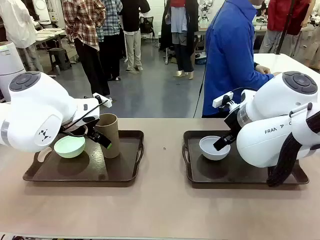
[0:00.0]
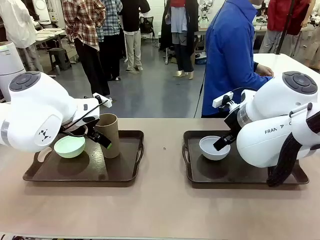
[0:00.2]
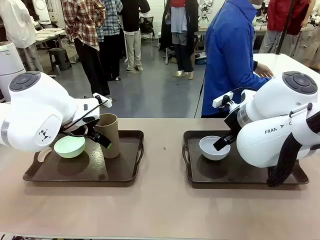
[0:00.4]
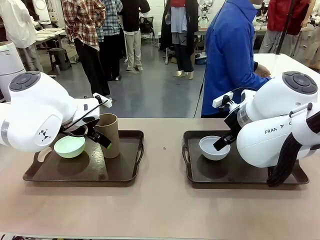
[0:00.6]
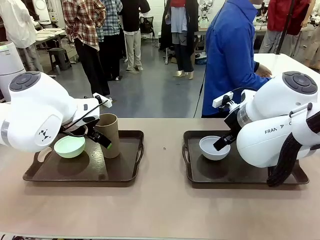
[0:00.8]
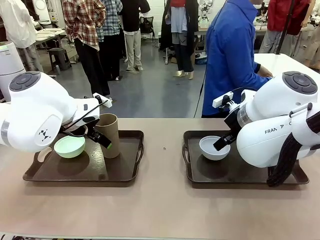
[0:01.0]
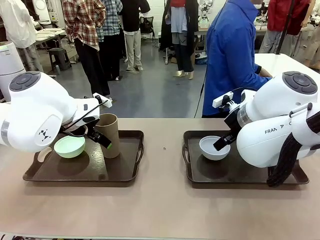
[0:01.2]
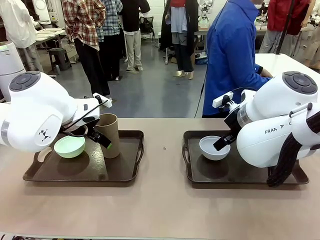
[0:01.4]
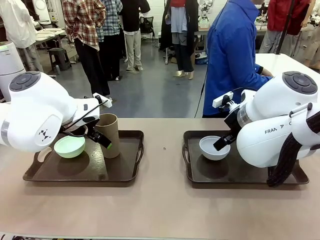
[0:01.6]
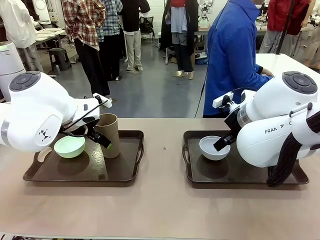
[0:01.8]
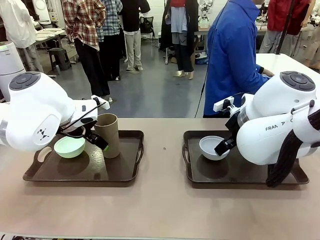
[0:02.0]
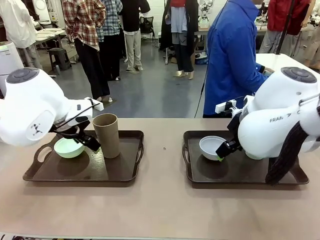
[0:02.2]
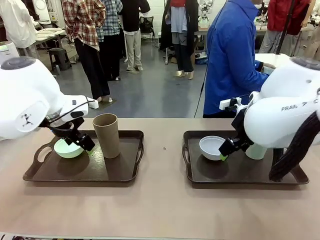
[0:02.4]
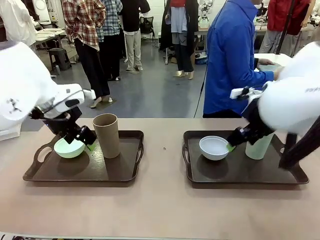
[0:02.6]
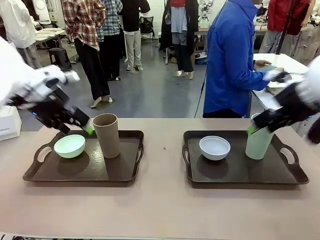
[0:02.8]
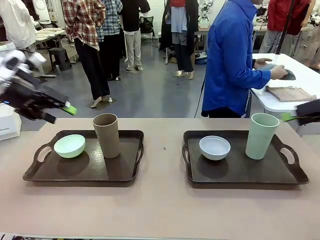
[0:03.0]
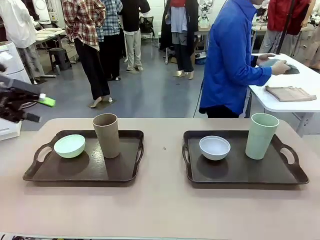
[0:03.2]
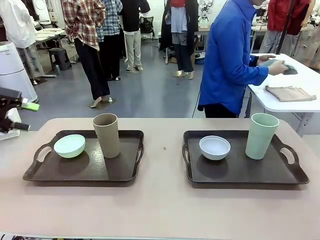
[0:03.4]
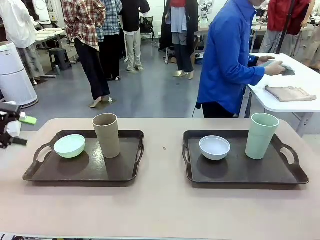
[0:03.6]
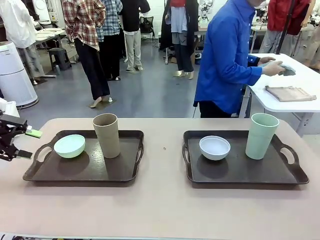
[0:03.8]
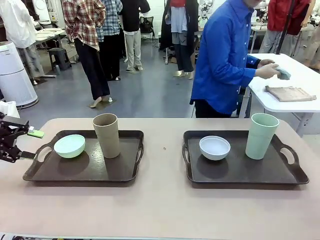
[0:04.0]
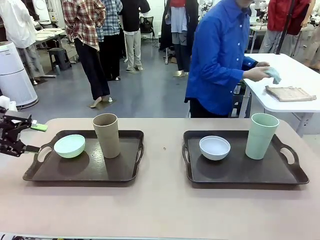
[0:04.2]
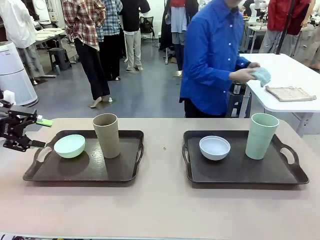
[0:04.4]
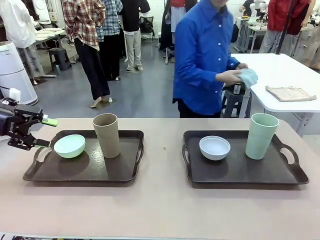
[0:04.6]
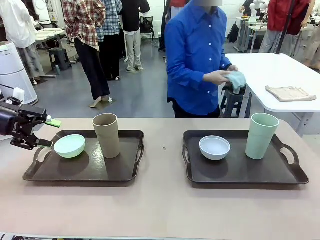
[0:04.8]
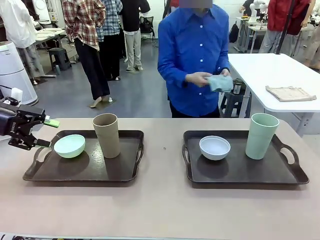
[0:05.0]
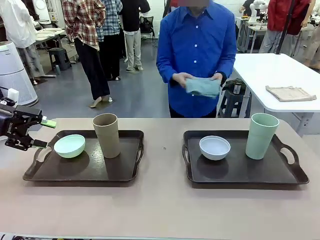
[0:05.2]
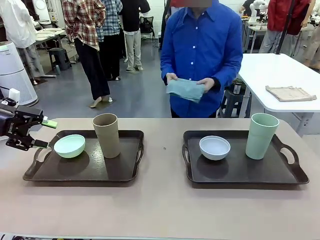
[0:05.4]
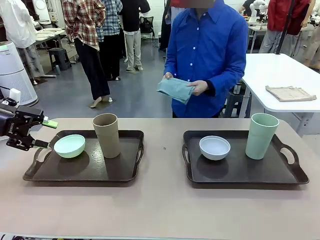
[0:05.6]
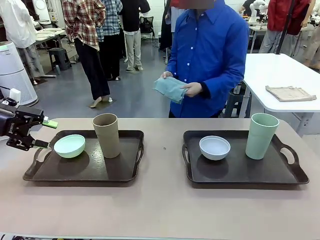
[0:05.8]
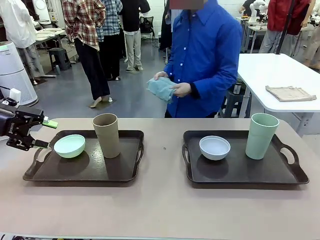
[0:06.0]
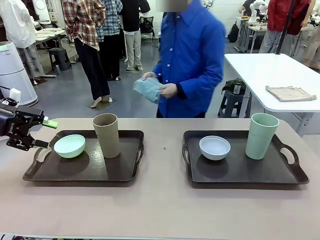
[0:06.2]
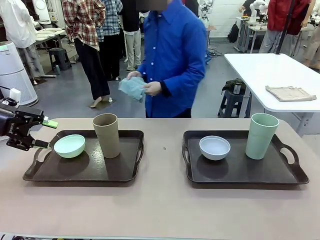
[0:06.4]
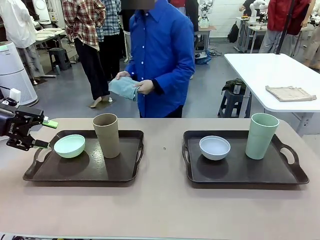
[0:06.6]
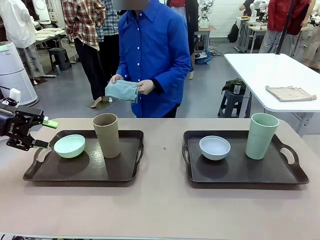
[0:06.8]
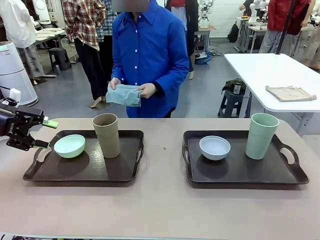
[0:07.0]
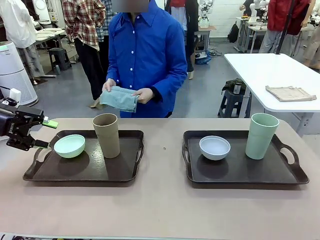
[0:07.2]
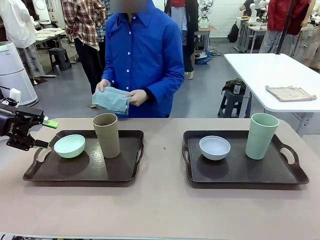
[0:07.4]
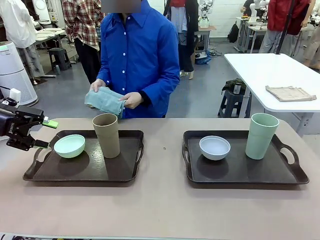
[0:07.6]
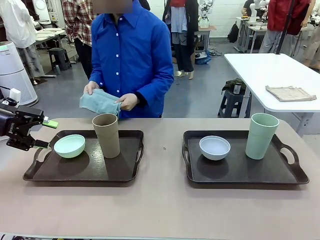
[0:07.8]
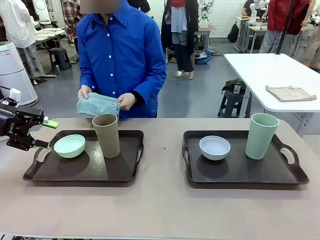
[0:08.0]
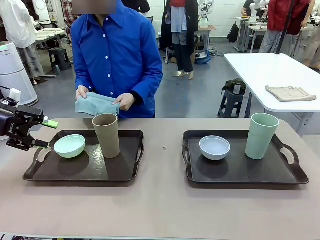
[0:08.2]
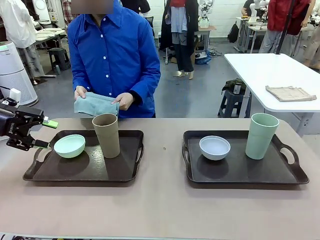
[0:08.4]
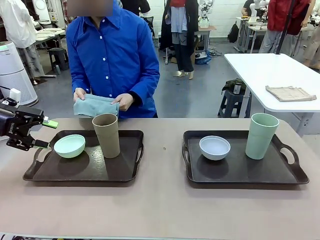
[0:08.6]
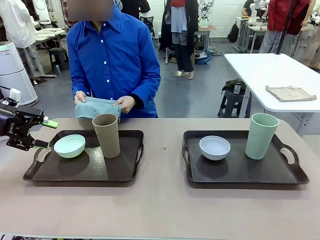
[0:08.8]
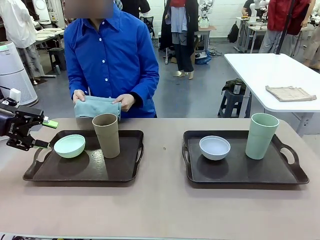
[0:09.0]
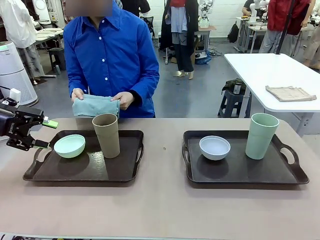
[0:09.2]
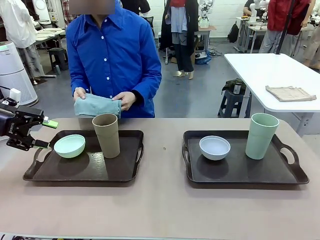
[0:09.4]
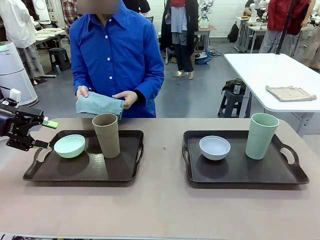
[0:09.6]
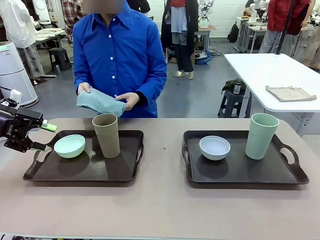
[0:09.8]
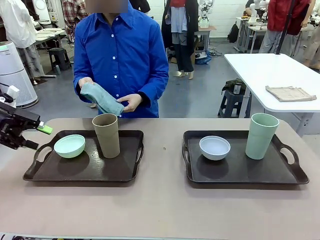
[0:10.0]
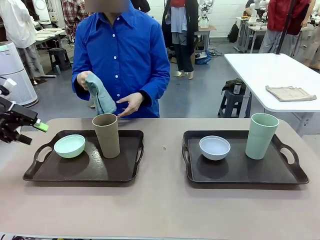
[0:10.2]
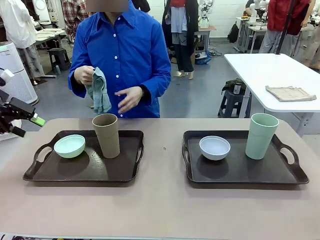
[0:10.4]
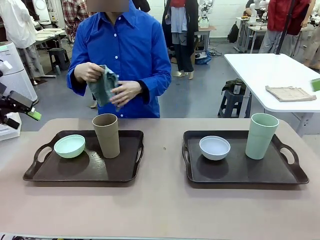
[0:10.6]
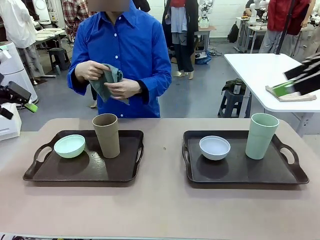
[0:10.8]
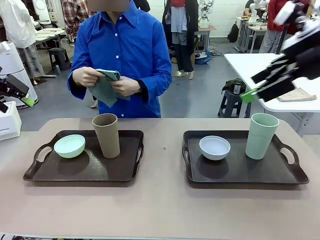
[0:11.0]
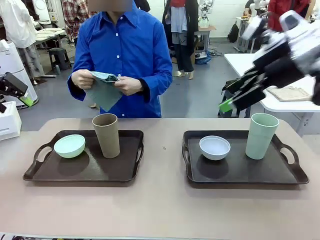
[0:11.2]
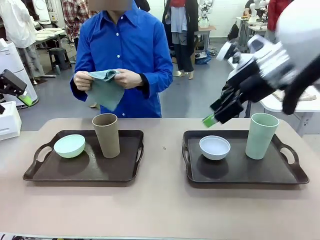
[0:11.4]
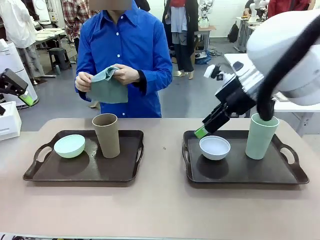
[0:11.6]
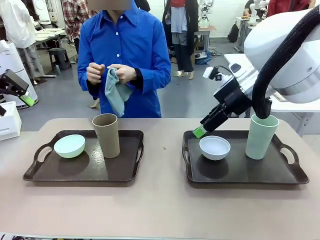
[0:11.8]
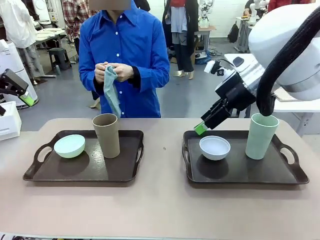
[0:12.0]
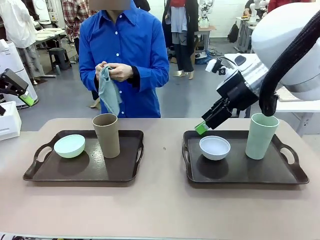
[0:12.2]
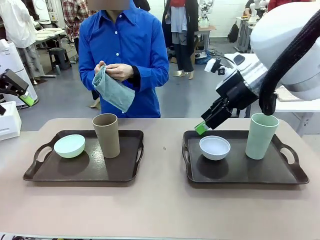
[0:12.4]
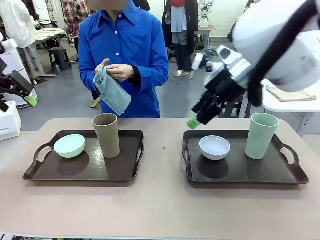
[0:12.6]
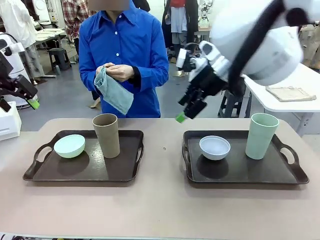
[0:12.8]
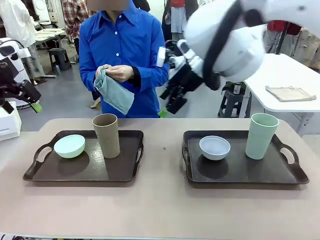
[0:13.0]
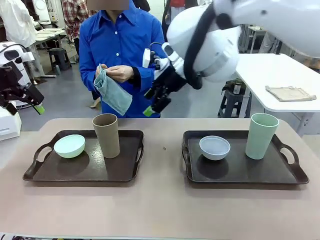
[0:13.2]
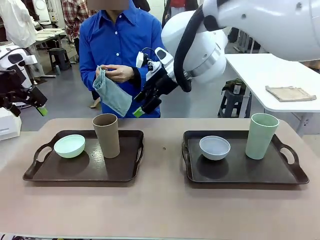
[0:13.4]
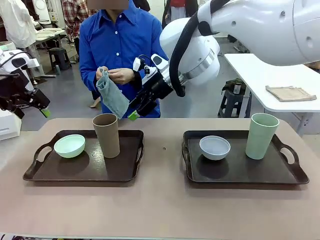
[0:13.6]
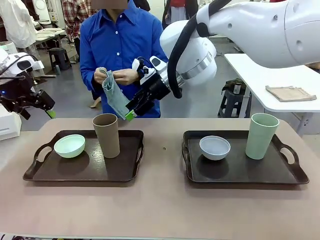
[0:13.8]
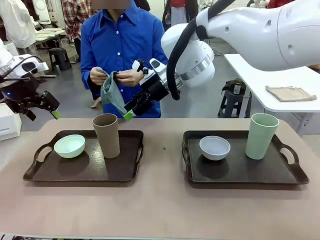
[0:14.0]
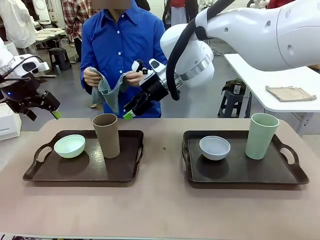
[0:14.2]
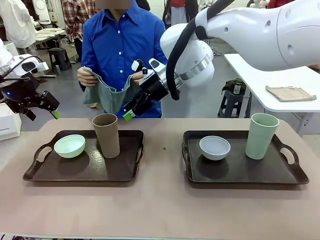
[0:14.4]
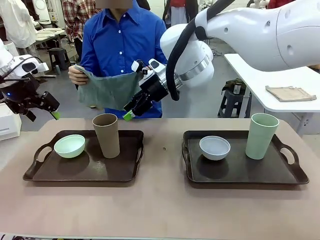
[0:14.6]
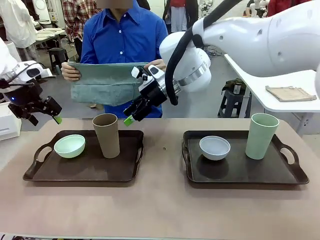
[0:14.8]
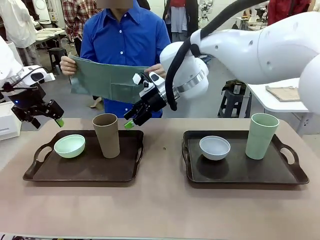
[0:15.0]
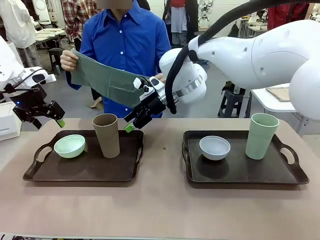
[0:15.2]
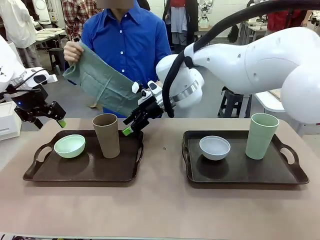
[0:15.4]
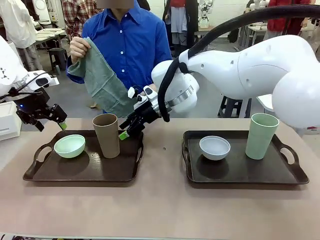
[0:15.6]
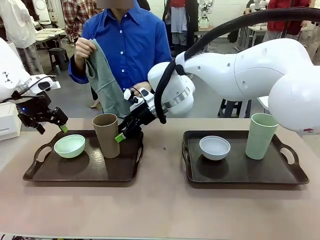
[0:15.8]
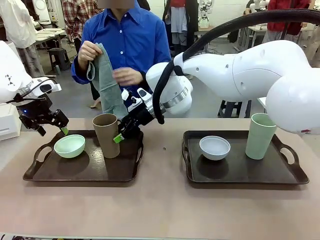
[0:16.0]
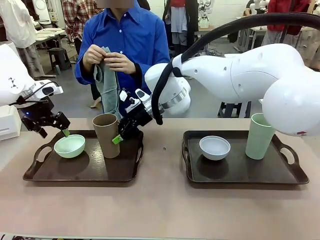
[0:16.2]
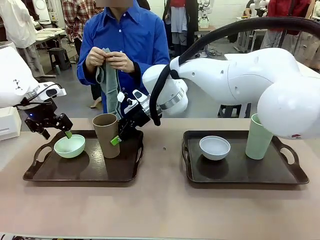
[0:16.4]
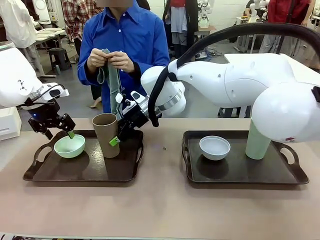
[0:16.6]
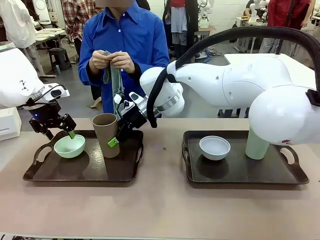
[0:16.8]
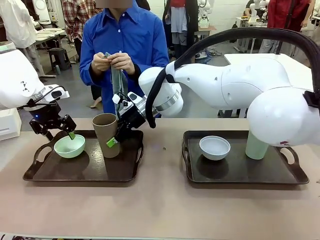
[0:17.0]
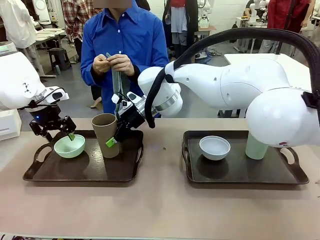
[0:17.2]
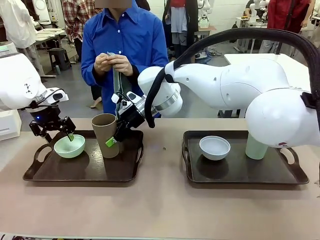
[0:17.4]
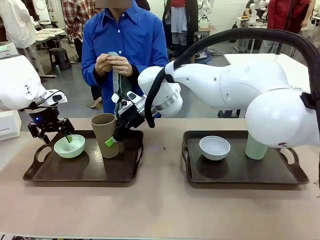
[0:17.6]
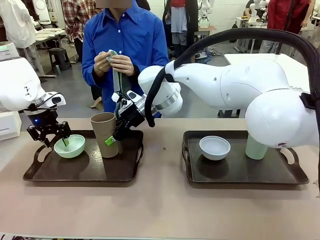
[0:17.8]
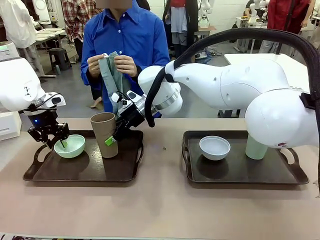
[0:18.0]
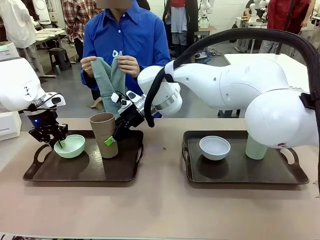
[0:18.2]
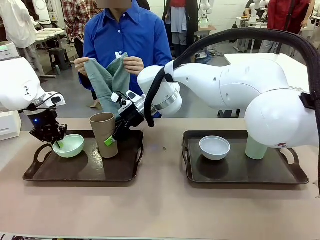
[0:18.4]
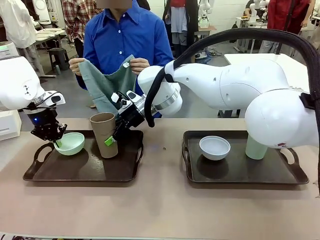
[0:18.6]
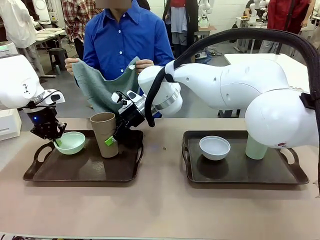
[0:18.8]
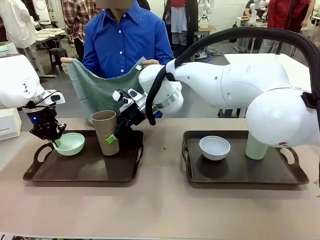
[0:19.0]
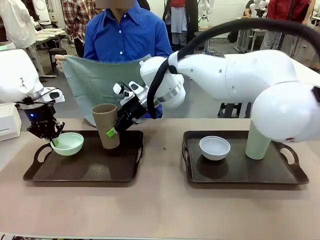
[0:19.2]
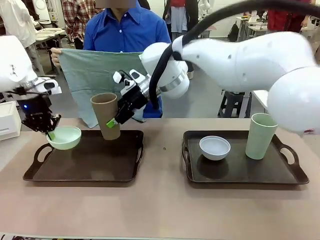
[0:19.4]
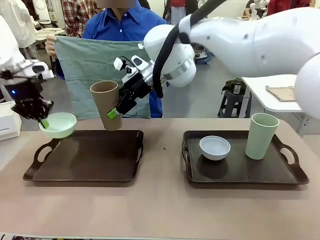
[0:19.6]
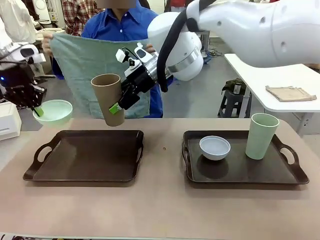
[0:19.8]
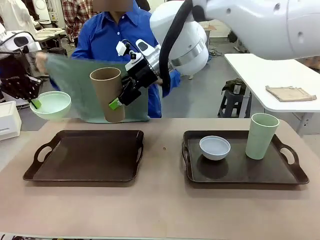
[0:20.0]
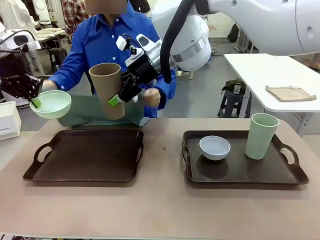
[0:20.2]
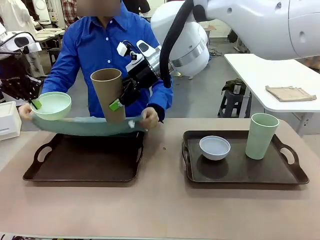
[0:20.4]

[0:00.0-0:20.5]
Robot: Pick up the Picnic Bowl and Reusable plastic cup from the Handle tray in front of the human's position and hold them in the air.
Person: The human picks up the top napkin from the stack on the human table and walks to the robot table to stand in front of one of the two trays. When the robot lifts the bowl and the cup, the human unfolds the napkin and lays the napkin flat on the tray.
